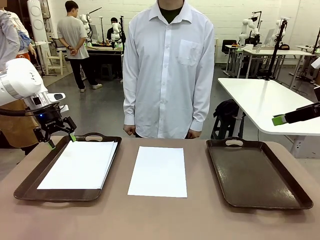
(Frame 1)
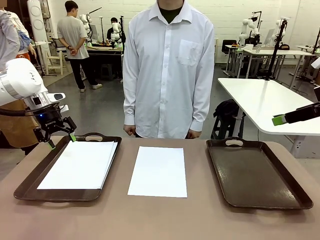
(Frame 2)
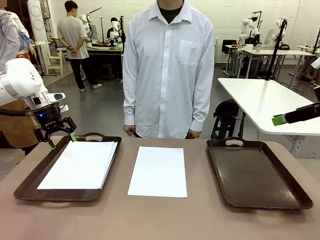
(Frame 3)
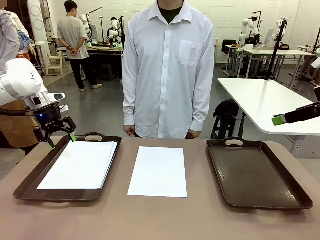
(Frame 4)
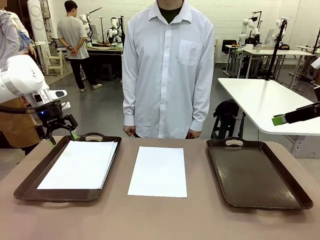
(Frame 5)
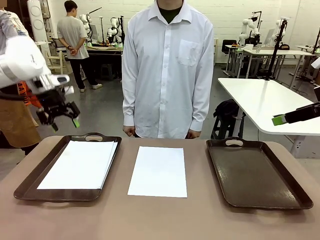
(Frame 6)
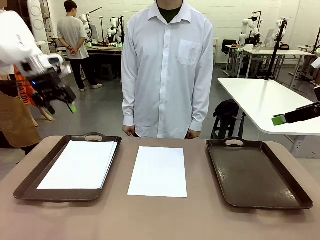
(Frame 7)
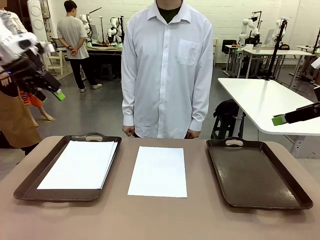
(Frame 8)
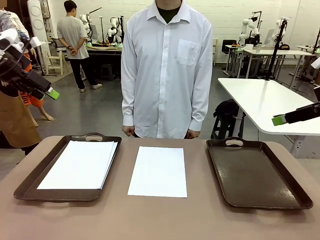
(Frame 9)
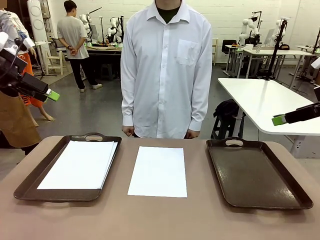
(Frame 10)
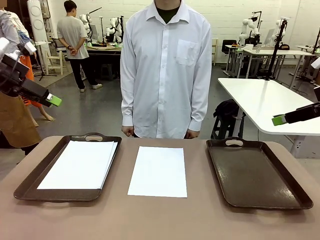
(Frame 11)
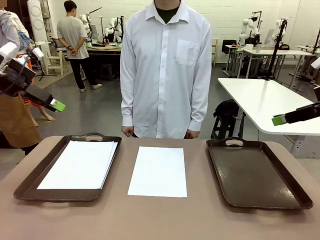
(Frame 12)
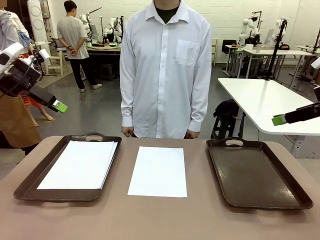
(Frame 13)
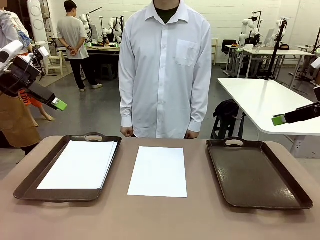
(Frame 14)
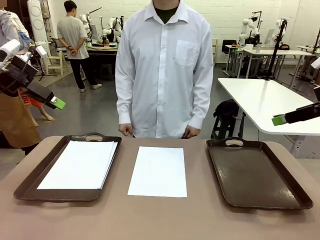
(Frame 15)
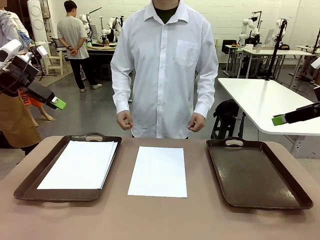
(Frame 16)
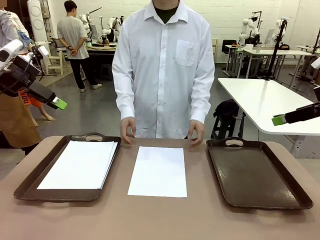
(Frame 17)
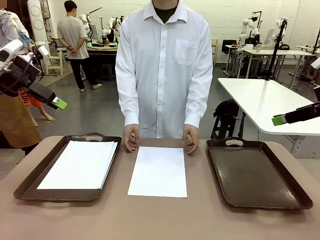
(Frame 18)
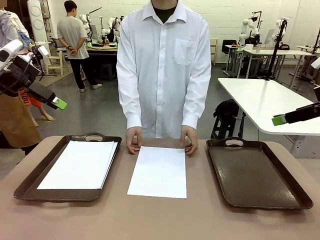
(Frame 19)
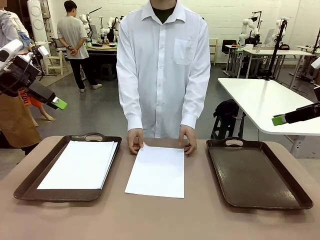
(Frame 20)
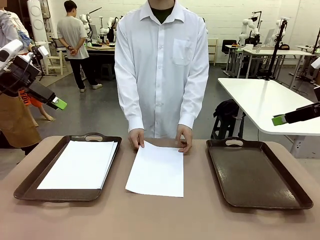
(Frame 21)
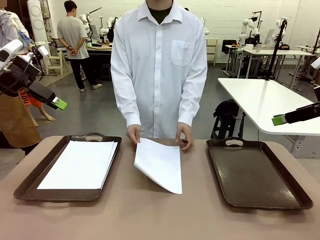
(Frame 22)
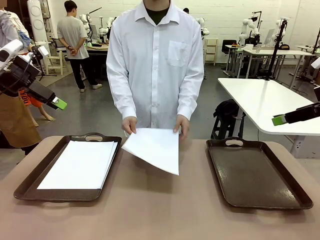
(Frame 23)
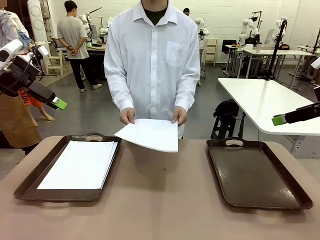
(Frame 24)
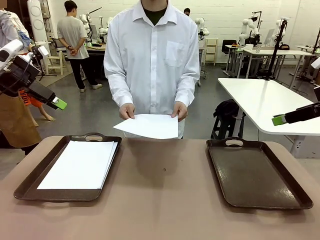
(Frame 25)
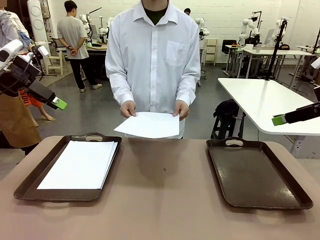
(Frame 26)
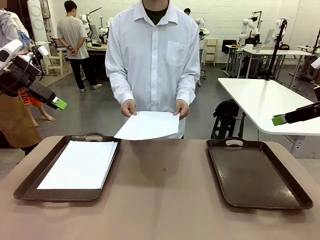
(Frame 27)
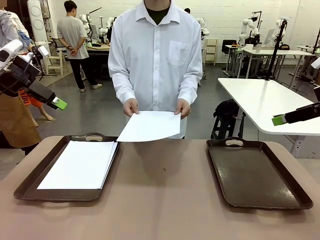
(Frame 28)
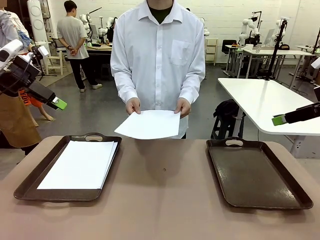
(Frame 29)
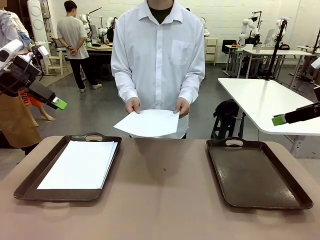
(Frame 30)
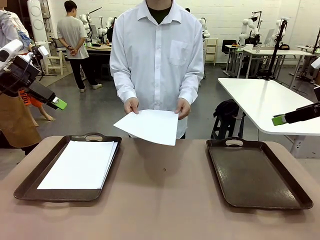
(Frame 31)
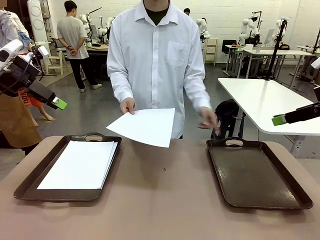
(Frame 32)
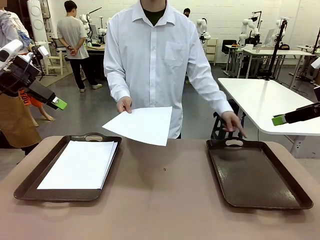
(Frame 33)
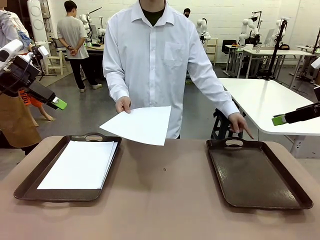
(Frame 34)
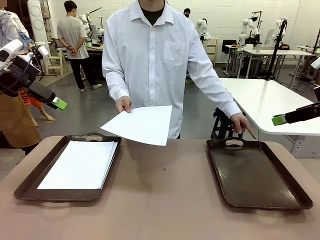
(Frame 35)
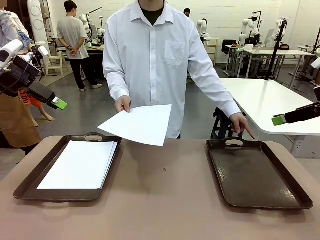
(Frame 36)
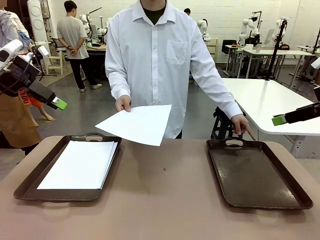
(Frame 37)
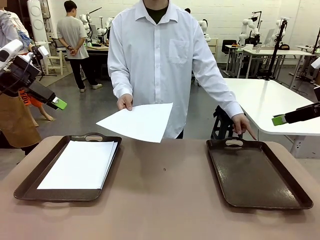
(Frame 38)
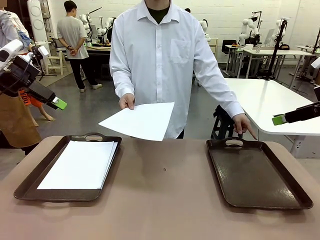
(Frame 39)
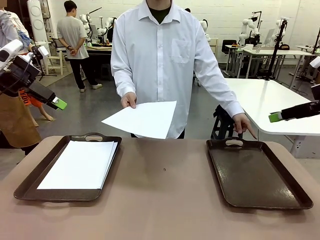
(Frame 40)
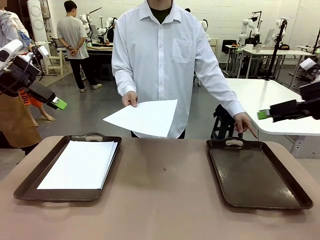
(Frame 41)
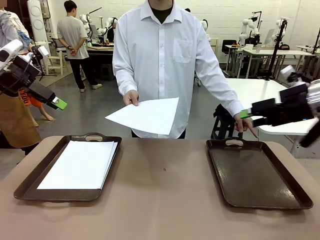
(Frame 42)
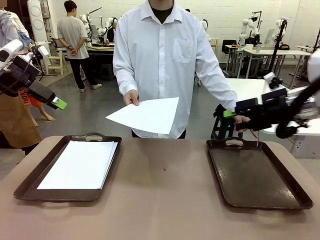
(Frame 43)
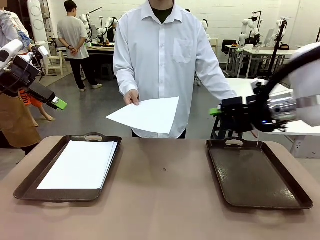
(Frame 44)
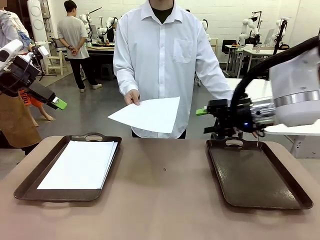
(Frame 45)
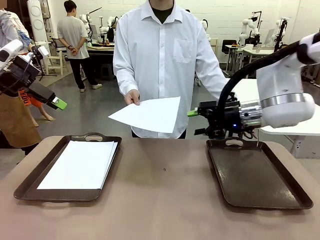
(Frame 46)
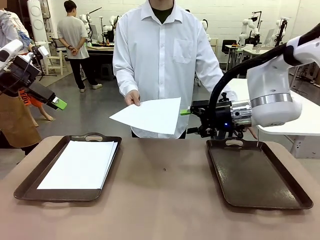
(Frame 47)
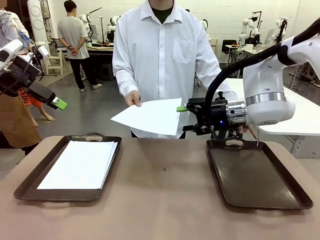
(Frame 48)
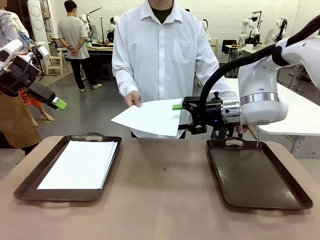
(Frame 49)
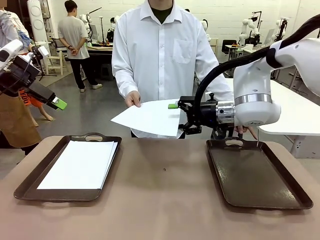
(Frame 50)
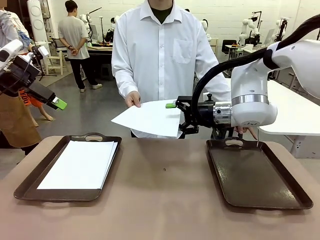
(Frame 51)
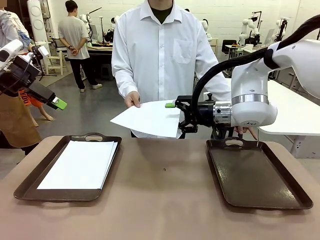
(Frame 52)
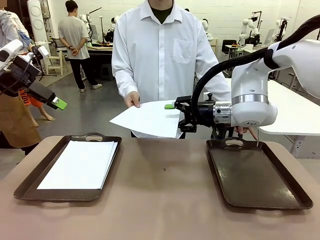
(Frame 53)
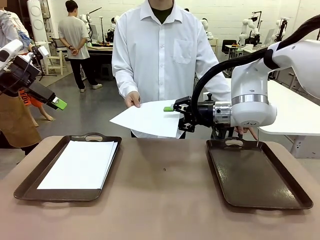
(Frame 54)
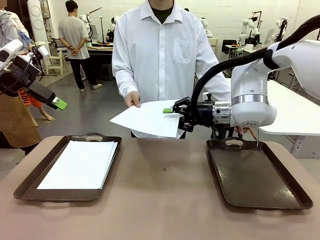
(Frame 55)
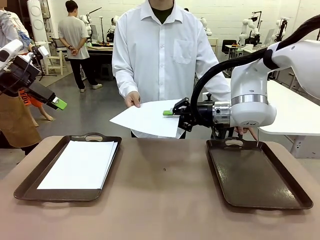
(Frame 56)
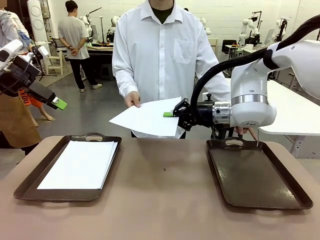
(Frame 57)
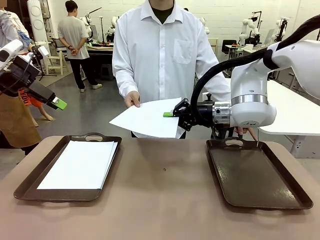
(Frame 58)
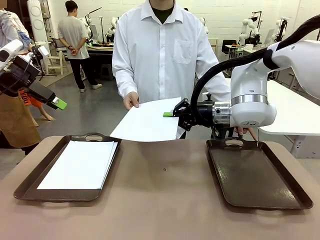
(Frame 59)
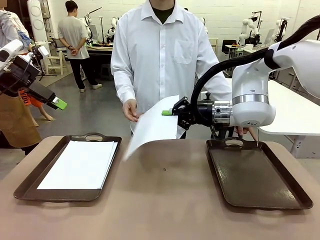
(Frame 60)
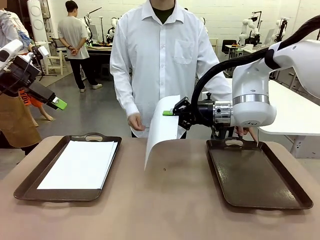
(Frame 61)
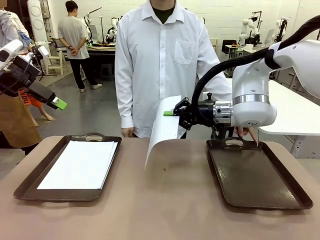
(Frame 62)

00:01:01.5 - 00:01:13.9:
Task: Sort the A4 documents.
Robot: Receive the A4 Paper.

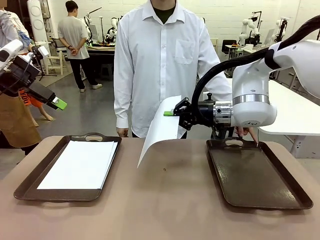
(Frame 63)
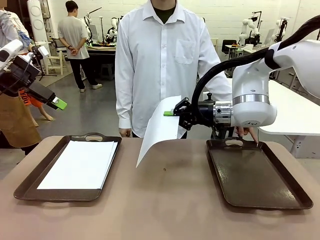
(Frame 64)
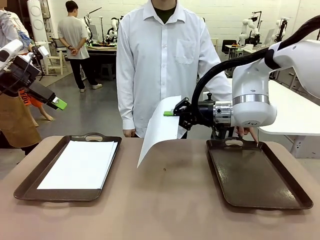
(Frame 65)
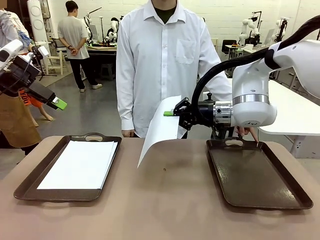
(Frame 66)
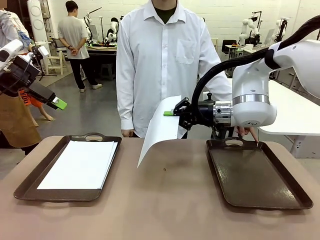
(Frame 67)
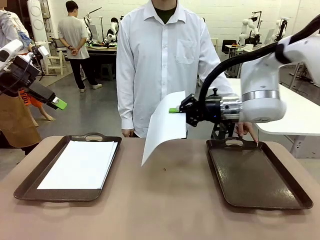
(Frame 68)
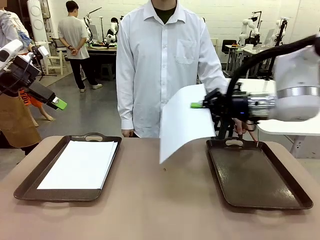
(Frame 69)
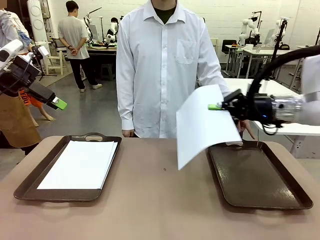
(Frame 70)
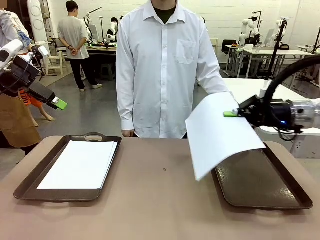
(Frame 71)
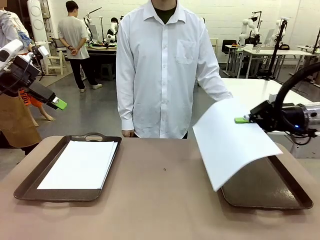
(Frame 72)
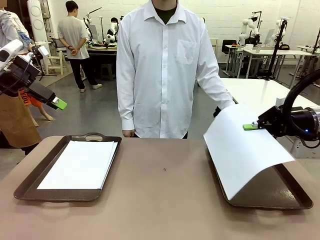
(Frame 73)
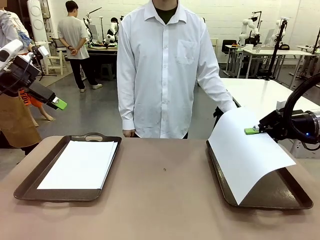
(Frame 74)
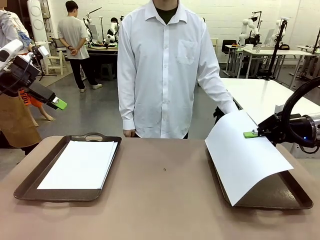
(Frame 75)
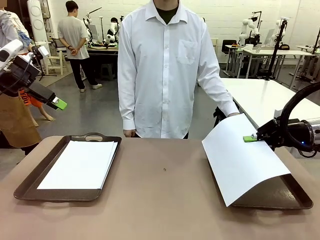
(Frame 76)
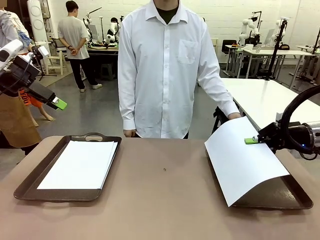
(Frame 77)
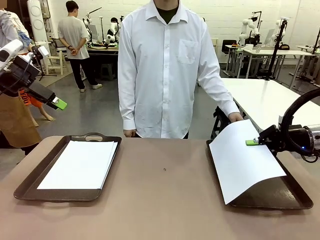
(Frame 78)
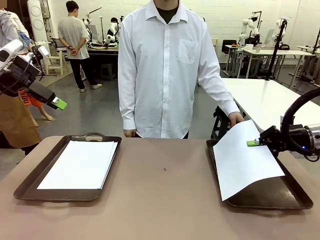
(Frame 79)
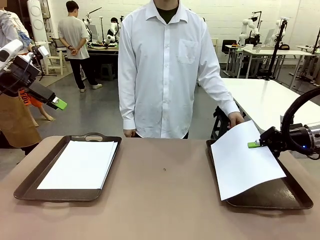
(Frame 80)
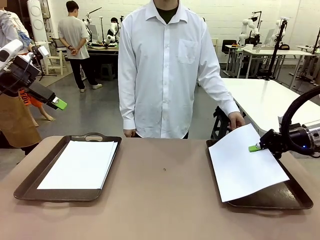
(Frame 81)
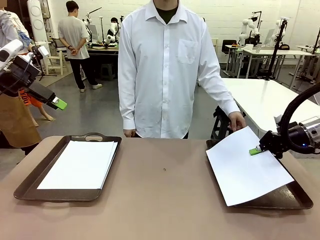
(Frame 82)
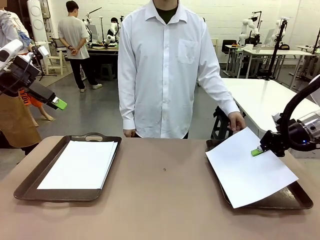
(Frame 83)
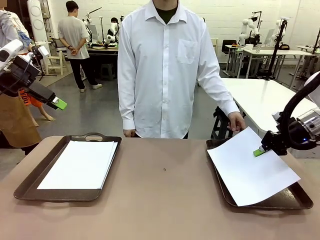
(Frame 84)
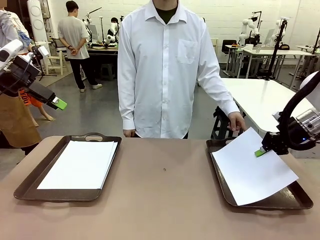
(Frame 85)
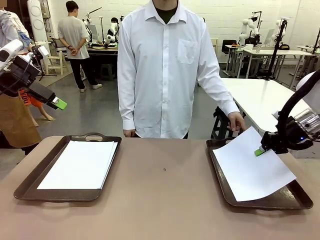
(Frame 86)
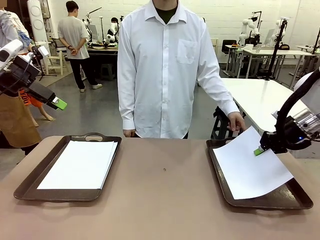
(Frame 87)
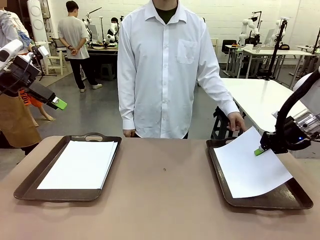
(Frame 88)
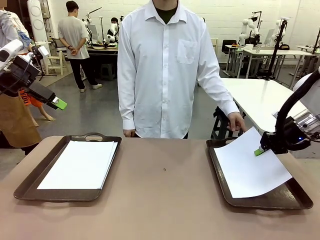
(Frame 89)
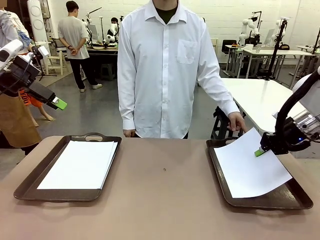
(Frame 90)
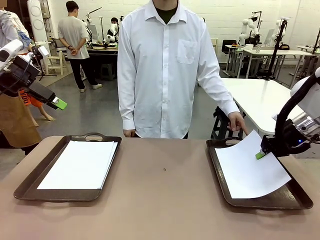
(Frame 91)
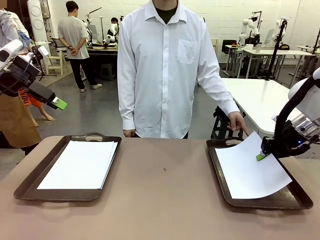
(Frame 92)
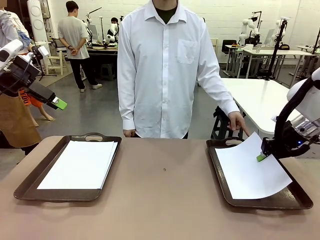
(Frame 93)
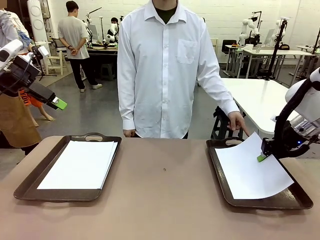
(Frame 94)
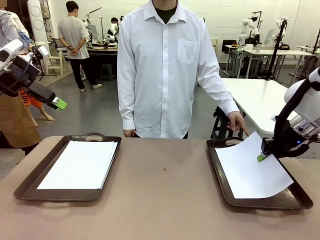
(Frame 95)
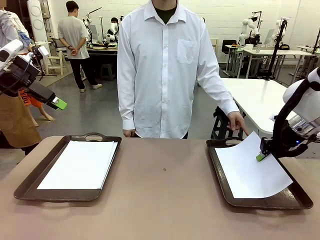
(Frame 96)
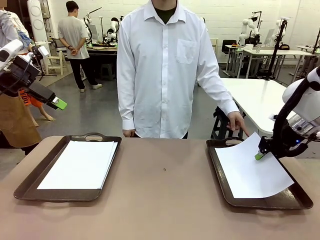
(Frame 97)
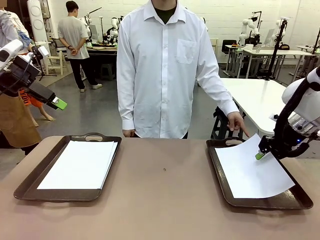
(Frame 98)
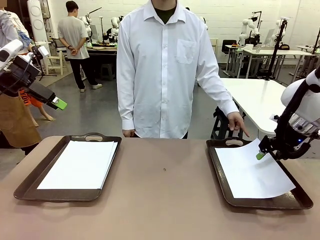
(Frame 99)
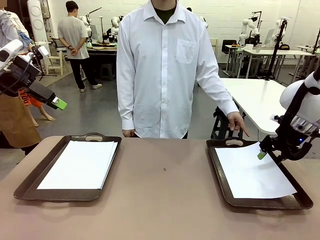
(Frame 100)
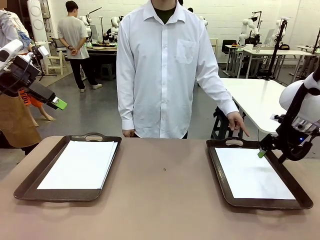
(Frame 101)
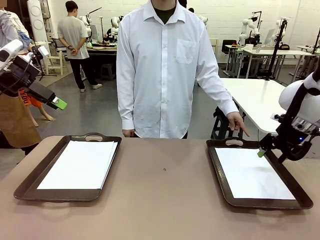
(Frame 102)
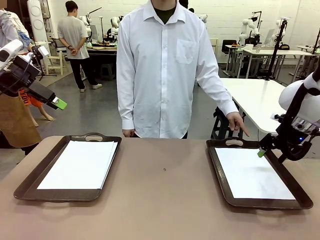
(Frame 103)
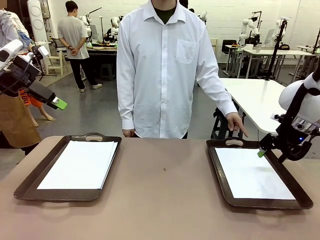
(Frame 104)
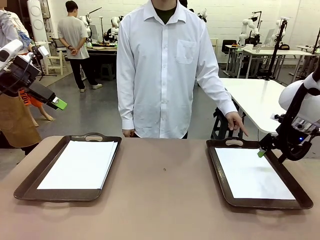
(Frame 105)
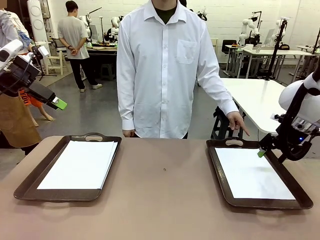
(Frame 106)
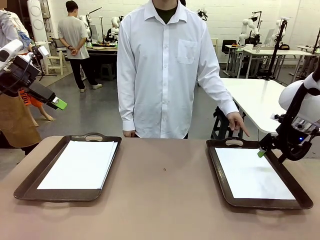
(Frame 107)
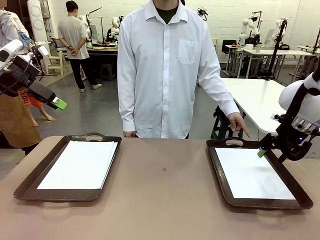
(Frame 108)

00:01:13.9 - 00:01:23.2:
Robot: Place the A4 Paper in the designated Handle tray.
Person: Point the randomly selected tray with the other hand.
